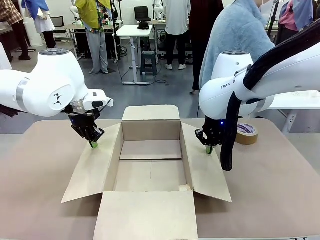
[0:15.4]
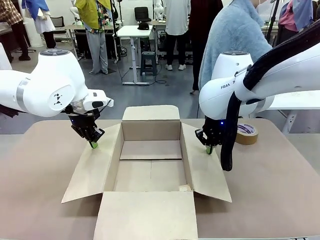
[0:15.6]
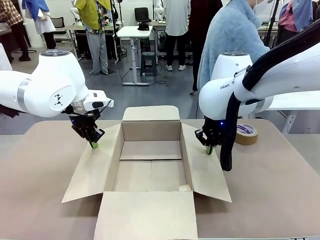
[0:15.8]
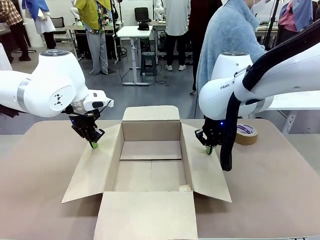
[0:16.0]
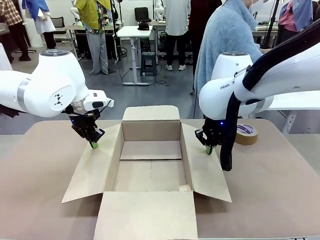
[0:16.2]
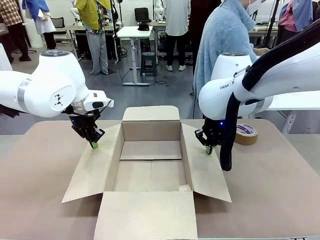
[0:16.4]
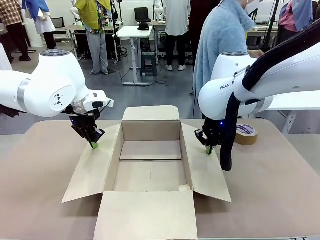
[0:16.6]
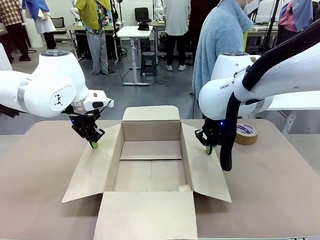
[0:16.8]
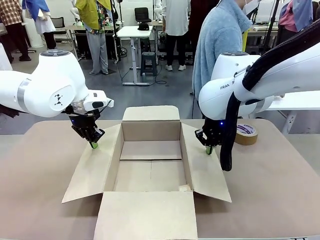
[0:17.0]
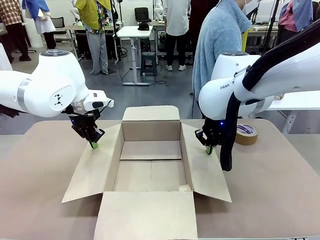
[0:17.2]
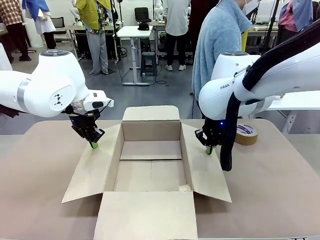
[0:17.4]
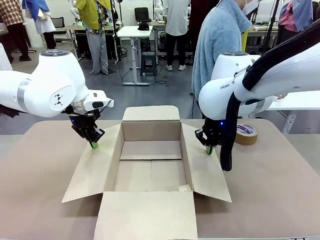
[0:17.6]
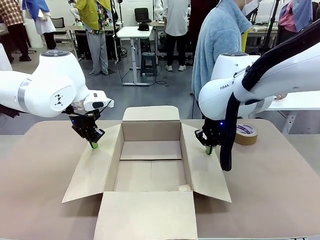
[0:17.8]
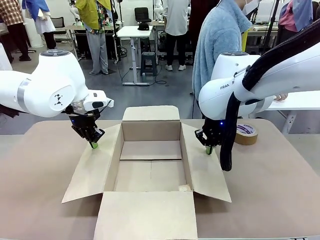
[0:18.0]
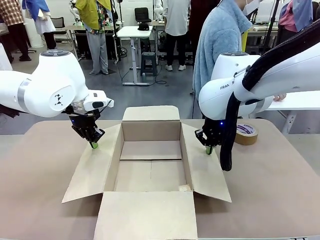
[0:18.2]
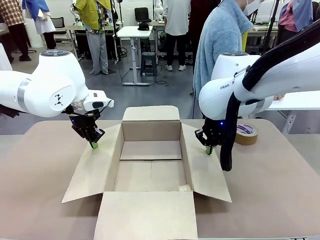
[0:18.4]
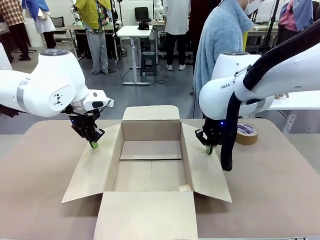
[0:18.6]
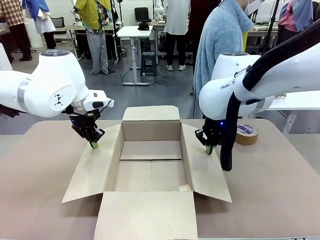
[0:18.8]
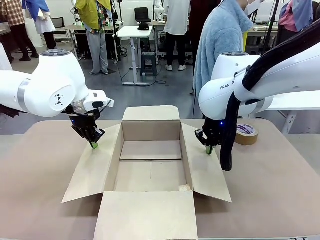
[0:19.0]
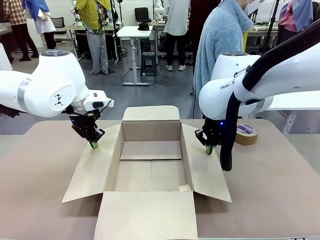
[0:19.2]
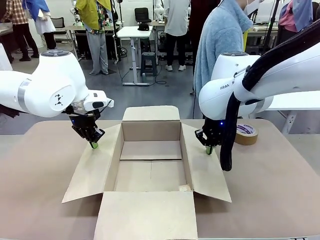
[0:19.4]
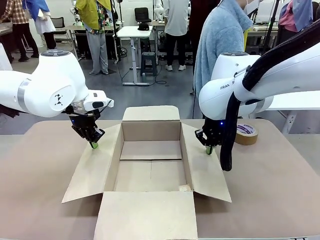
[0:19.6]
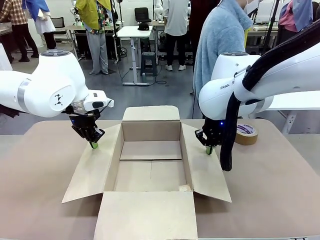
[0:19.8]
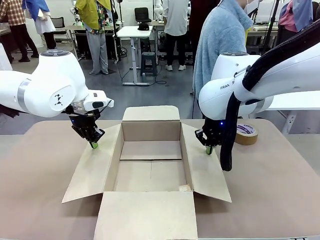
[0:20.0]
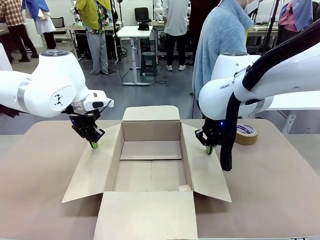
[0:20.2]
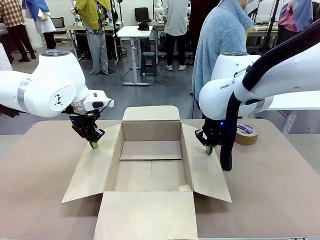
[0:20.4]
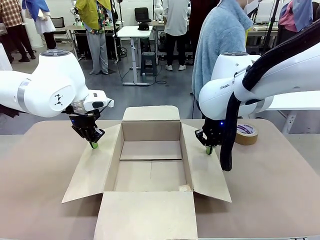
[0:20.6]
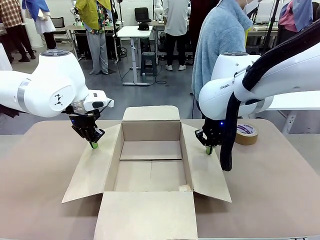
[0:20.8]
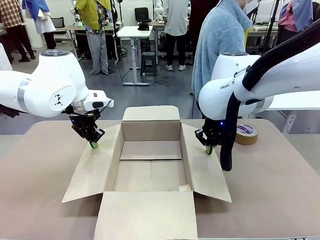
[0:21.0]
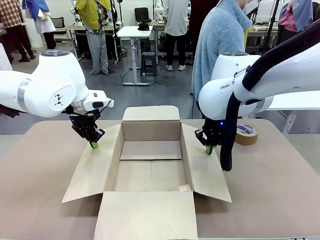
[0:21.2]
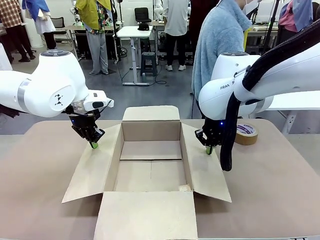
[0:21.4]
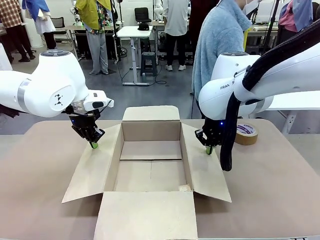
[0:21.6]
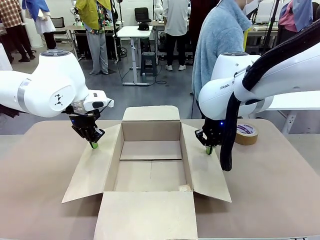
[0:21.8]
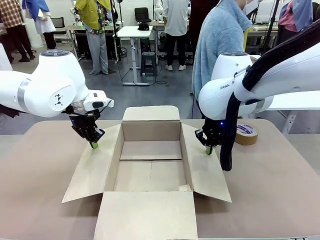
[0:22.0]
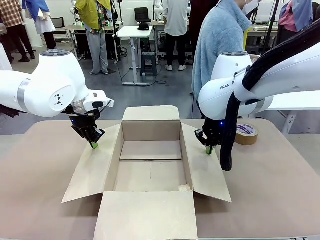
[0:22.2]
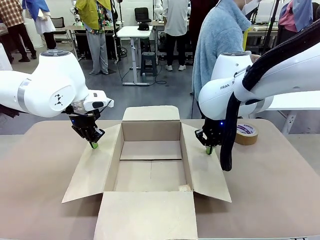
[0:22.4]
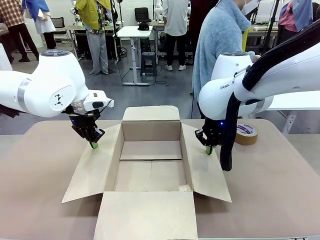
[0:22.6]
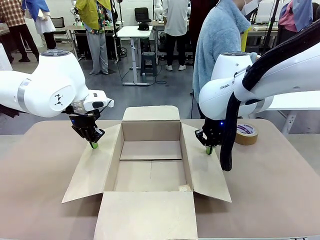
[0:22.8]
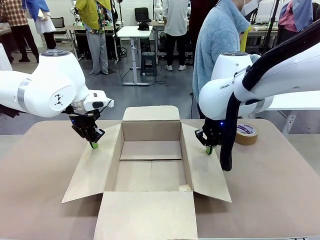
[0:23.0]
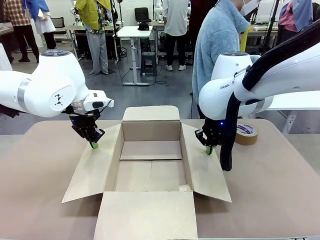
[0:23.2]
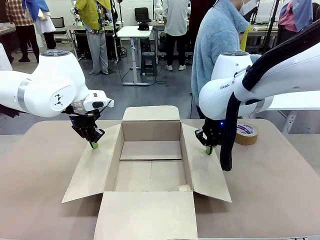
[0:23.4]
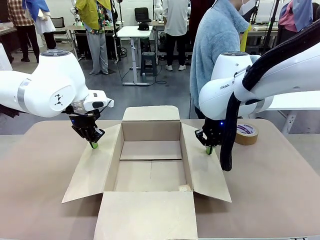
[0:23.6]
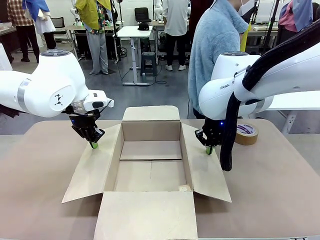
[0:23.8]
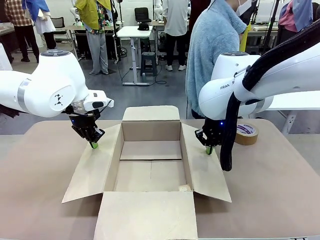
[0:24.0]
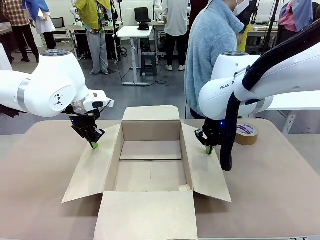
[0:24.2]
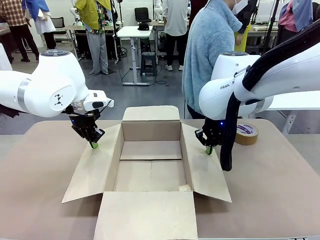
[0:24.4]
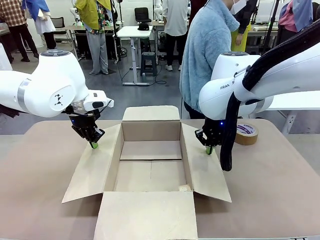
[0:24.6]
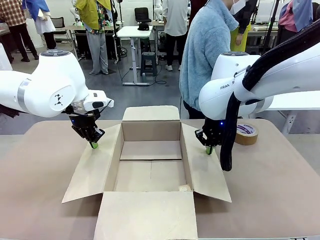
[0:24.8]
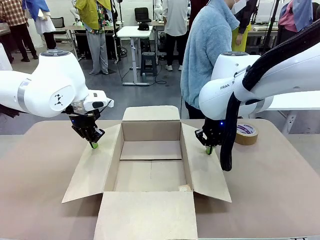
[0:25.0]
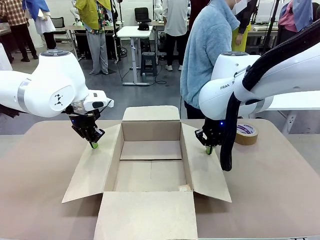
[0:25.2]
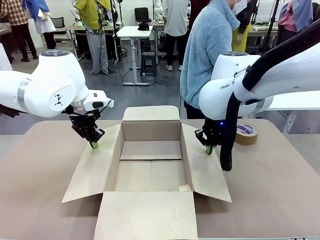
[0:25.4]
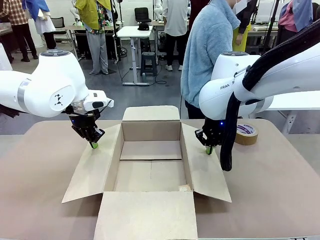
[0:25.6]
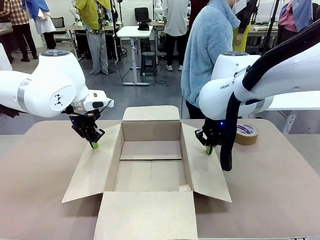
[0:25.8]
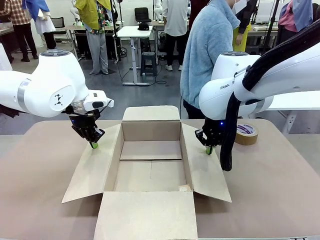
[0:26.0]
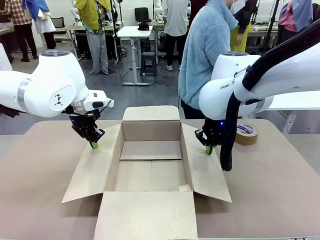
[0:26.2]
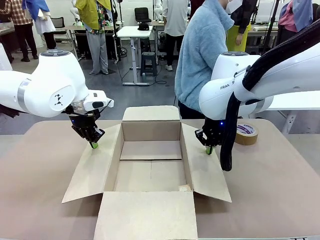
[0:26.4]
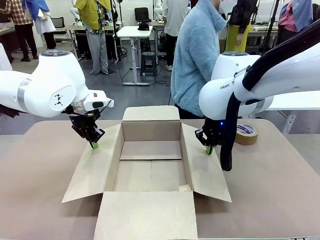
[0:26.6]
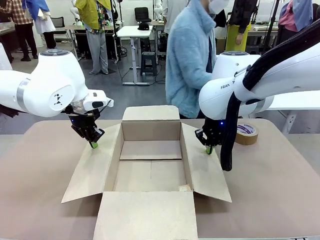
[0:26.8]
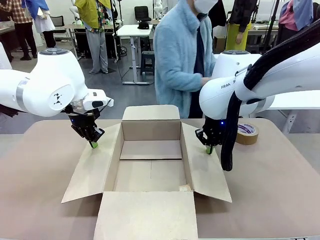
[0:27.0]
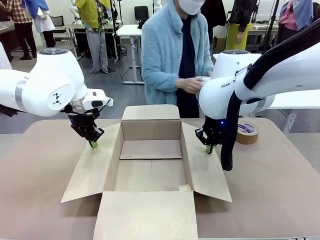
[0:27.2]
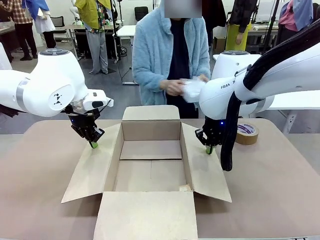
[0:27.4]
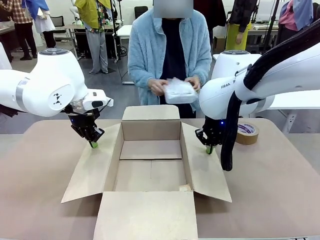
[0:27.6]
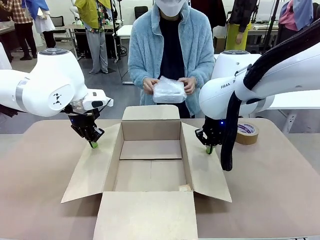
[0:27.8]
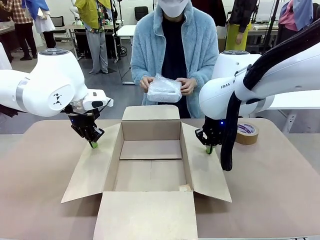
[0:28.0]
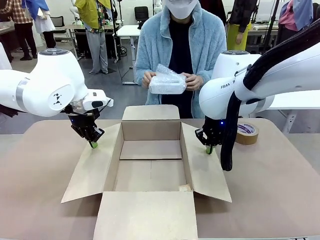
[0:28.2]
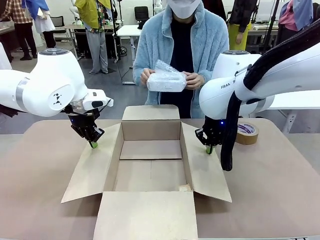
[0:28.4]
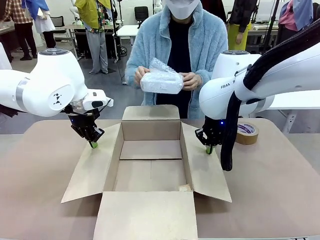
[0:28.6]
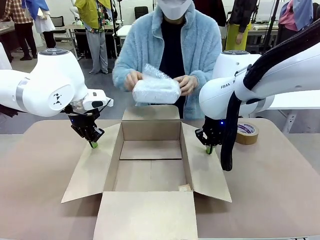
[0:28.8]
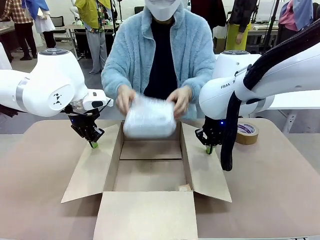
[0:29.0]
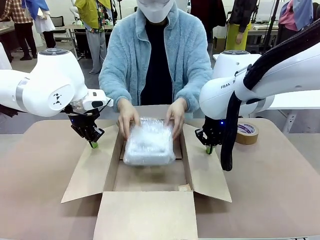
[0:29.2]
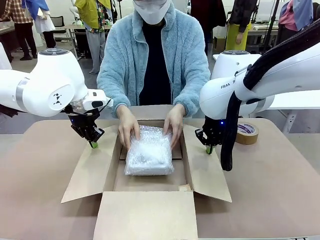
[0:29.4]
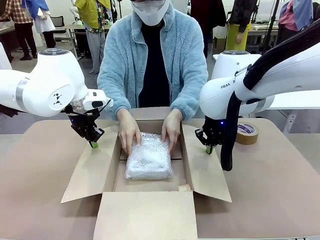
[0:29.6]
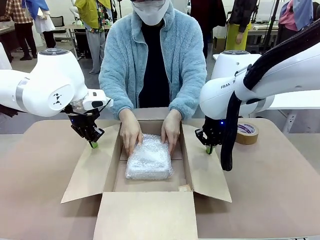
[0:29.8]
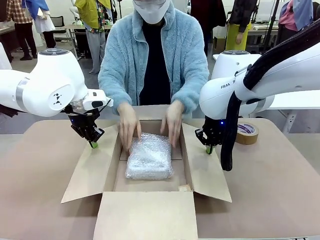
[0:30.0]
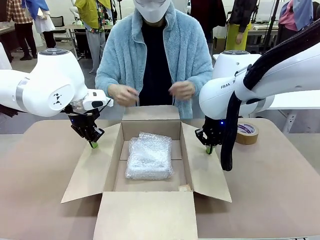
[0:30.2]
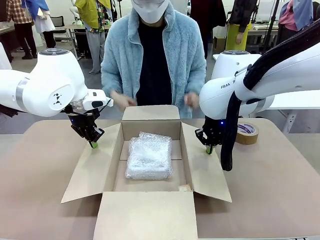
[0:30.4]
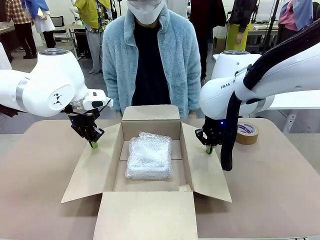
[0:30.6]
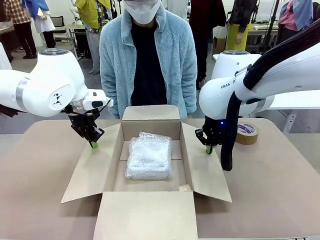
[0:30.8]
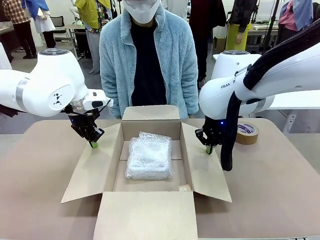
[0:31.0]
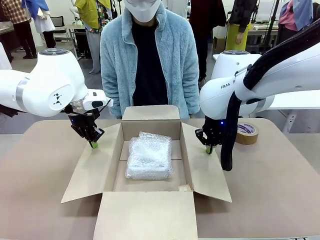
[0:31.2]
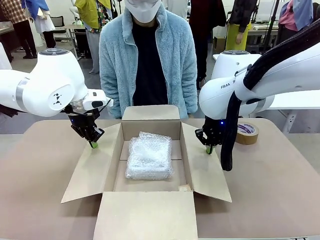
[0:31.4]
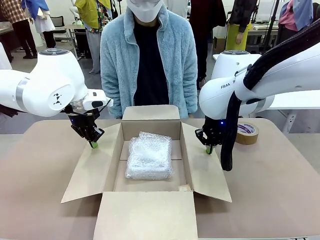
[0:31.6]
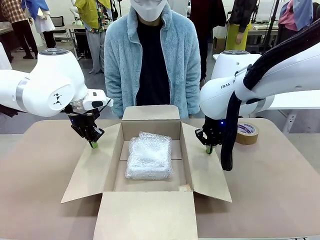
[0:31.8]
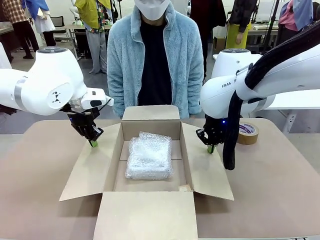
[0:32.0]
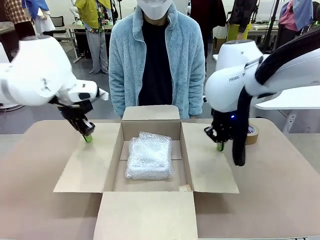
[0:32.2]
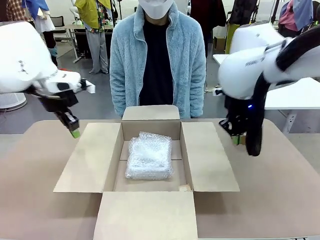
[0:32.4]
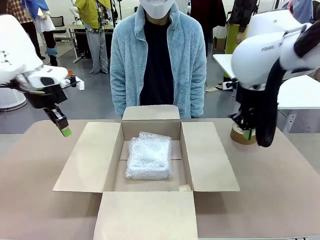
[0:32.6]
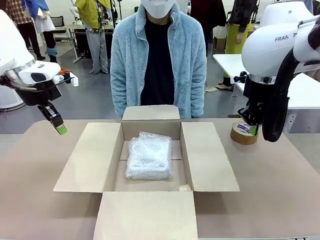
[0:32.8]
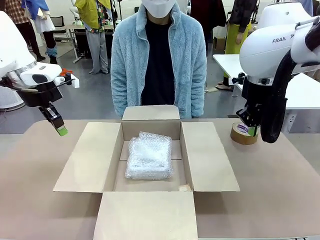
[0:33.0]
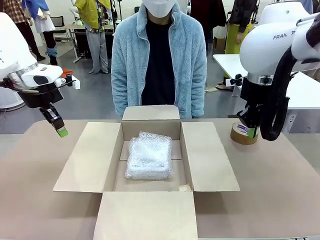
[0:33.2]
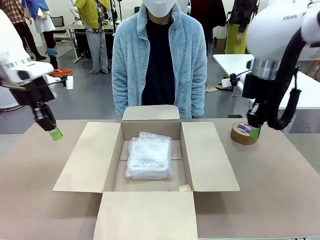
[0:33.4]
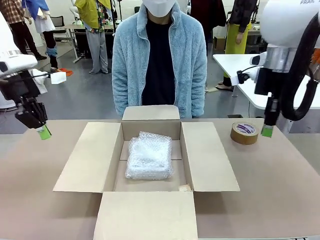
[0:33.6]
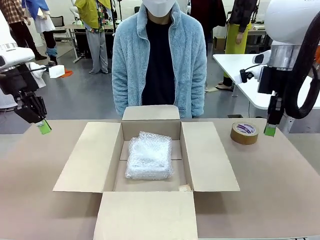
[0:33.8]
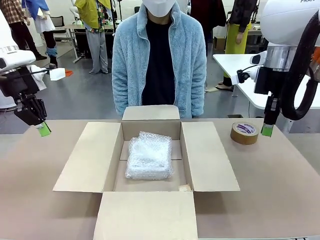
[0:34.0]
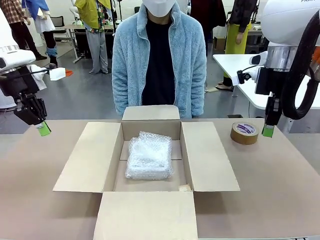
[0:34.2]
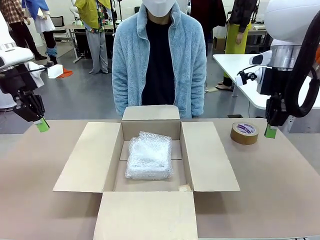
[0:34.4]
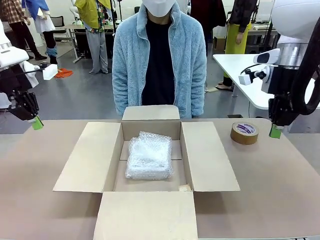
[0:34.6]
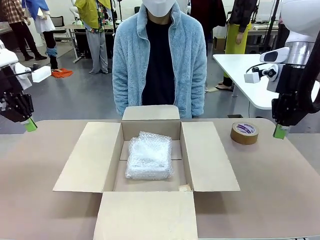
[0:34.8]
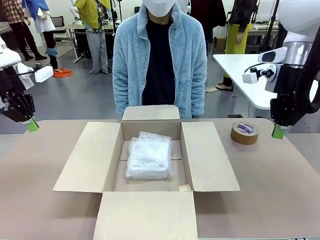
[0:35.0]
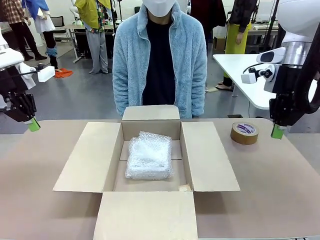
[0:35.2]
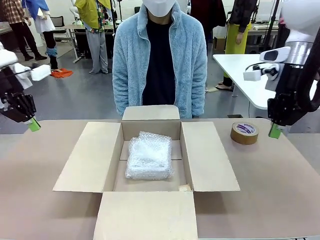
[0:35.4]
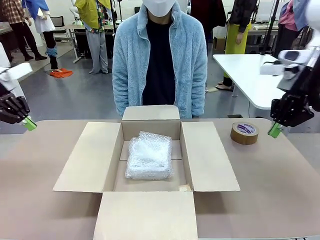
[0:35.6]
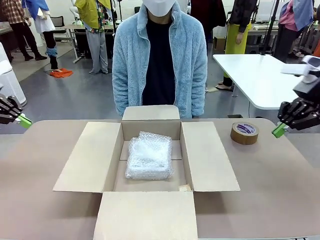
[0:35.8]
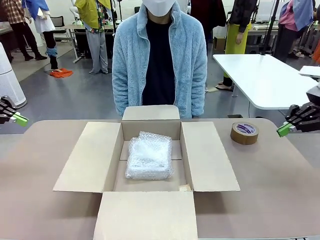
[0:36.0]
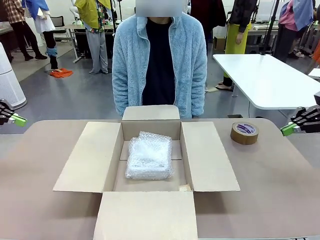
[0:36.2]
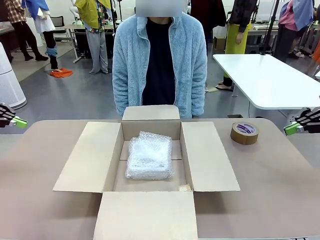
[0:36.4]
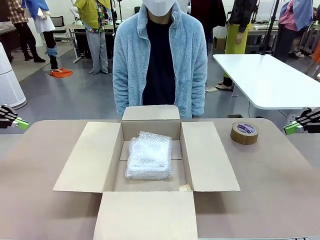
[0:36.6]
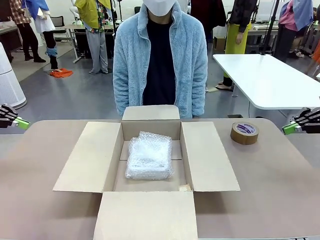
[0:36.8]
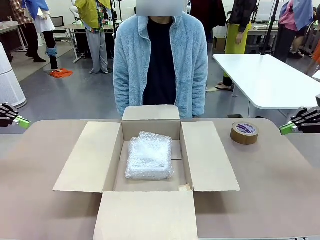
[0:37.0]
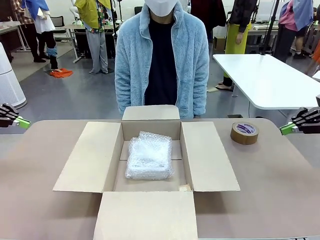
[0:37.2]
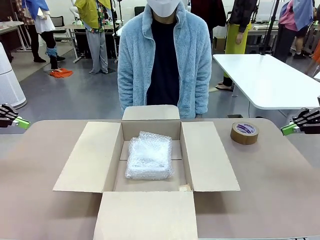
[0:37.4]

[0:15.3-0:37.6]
Task: Wrap the clocks to prevent damage.
Robot: Once the human has placed the objects inside and stepped back, release both hands from the side flaps of the Package Box.
Person: Place the wrapped Digital clocks inside the Package Box. Hold the top and bottom flaps of the Package Box closed with your left (or right) hand.
